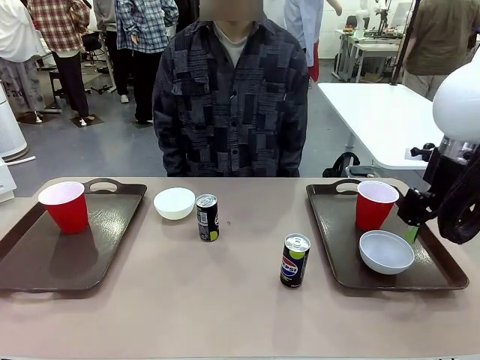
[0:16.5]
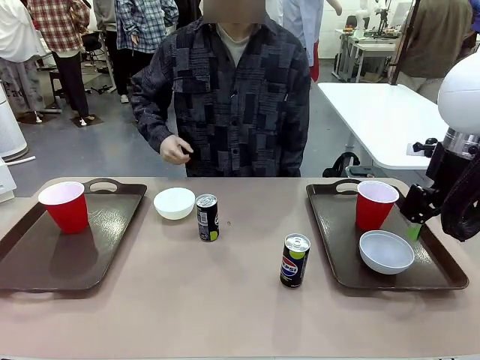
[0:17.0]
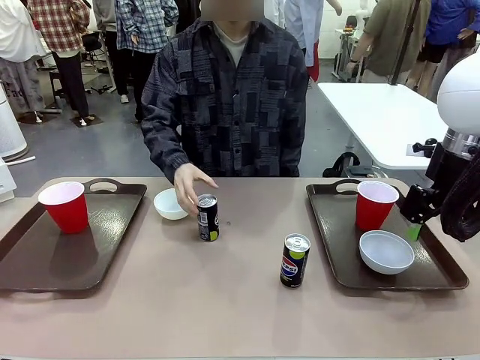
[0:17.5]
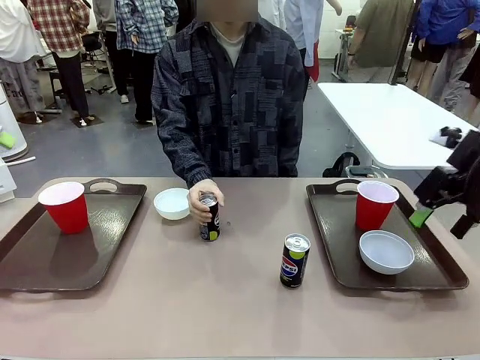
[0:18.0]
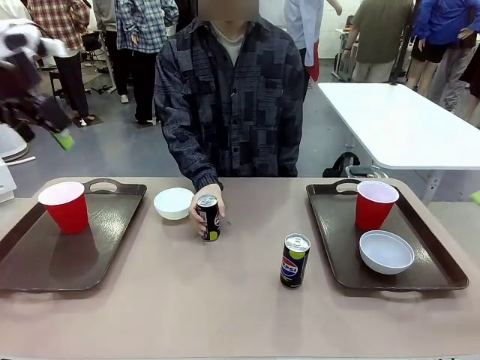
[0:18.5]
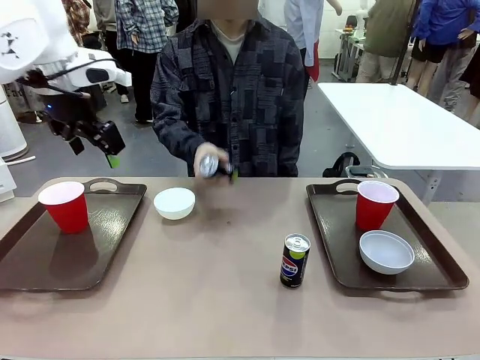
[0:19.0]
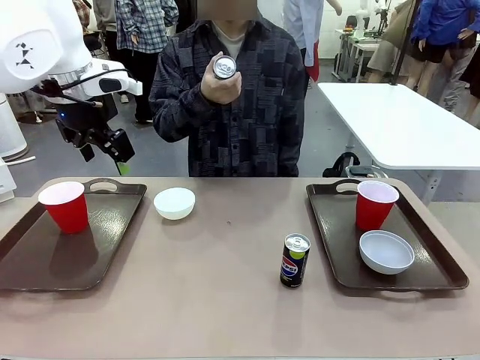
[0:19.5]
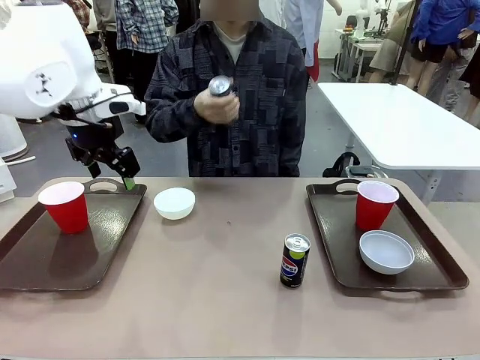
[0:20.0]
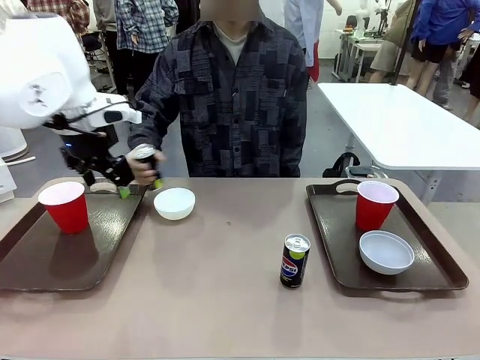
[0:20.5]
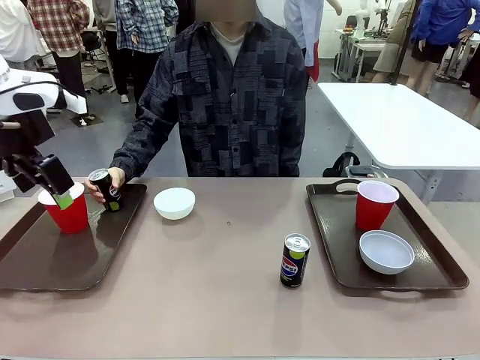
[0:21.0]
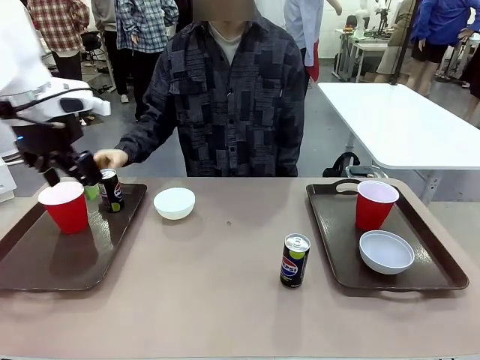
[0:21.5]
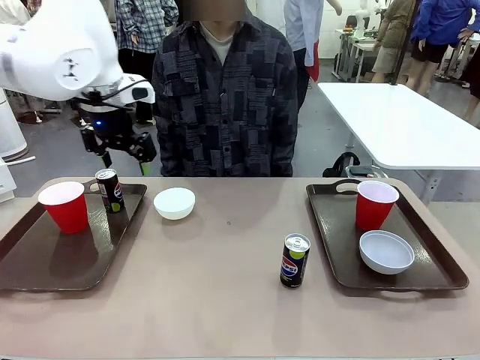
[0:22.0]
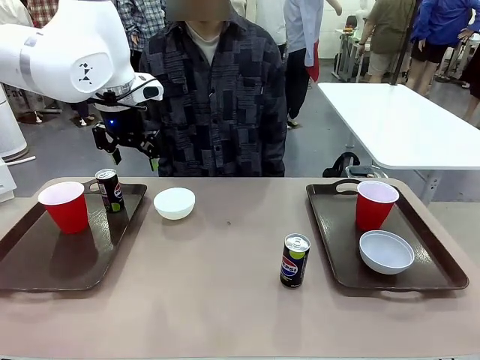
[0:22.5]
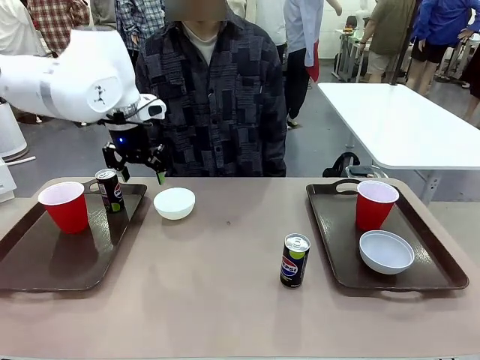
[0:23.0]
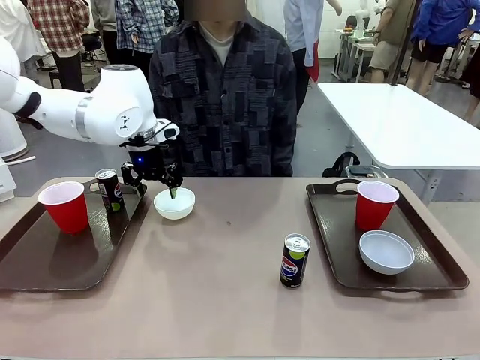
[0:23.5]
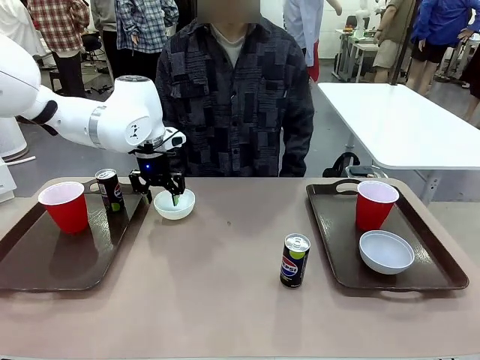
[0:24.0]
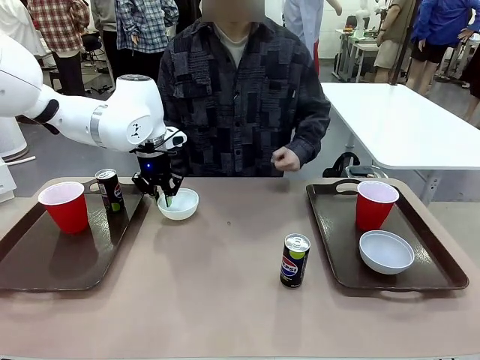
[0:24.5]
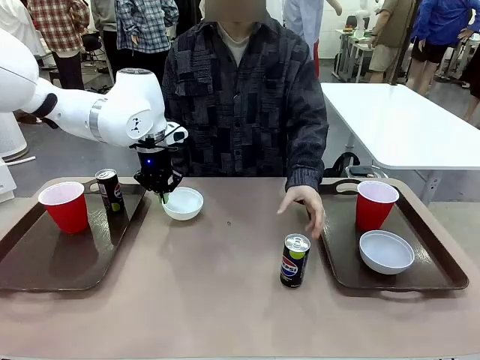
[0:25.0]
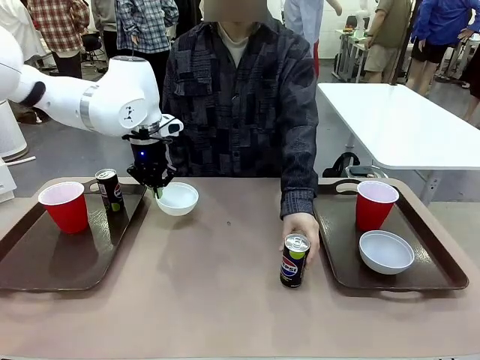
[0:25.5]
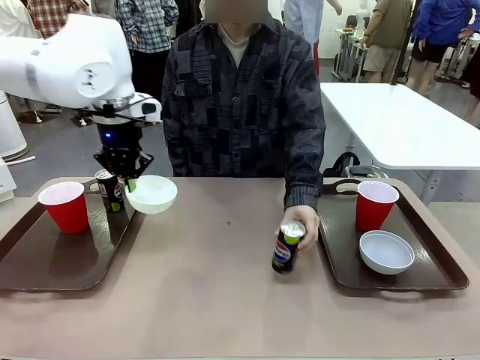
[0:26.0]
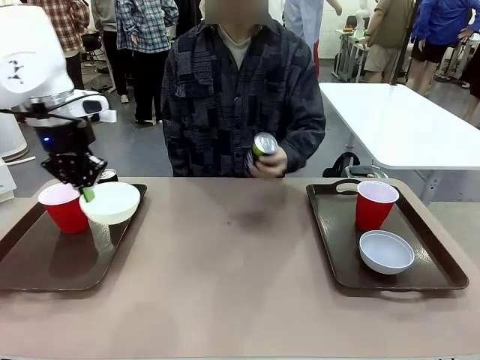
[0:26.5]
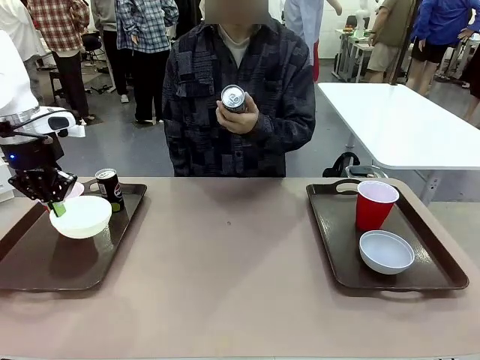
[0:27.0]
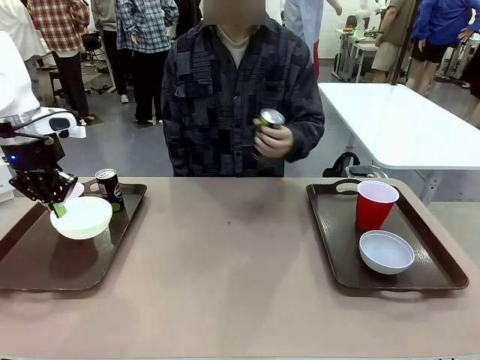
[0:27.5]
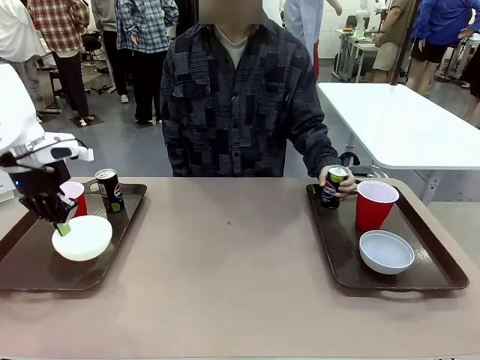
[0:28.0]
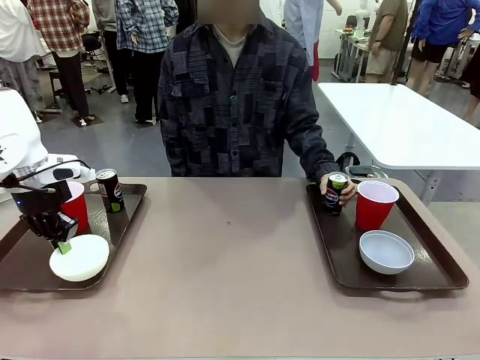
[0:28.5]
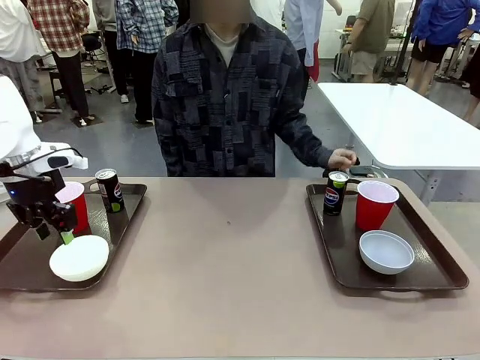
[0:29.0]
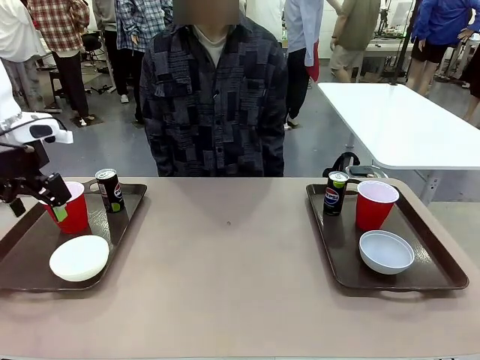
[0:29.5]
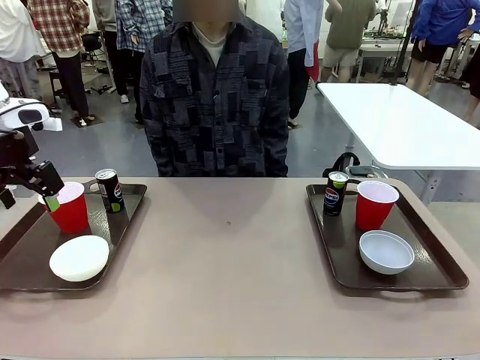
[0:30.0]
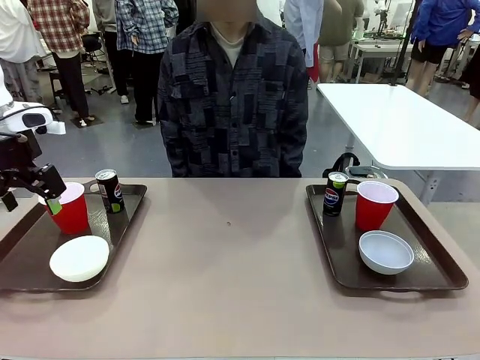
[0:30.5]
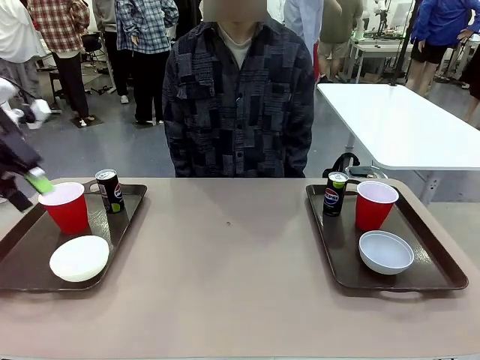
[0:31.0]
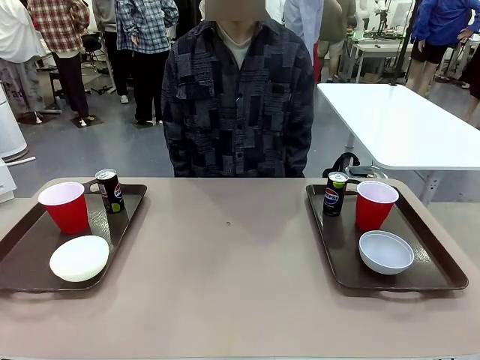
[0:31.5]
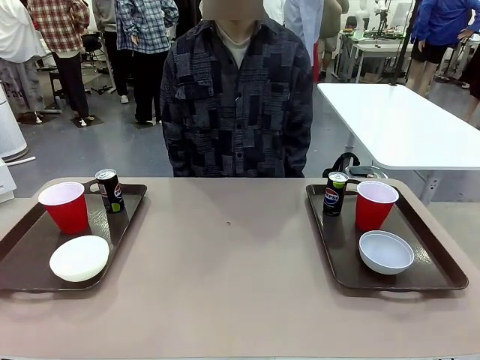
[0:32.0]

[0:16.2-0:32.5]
Task: Prepare tableware on both trays.
Robot: Pick up a Picnic Bowl from the table and place it on a Handle tray.
Person: Pick up a can or cup and place it on the tray without a can or cup.

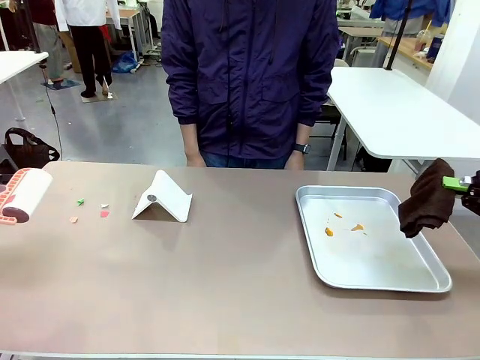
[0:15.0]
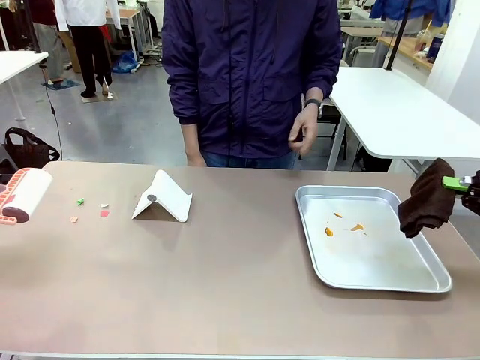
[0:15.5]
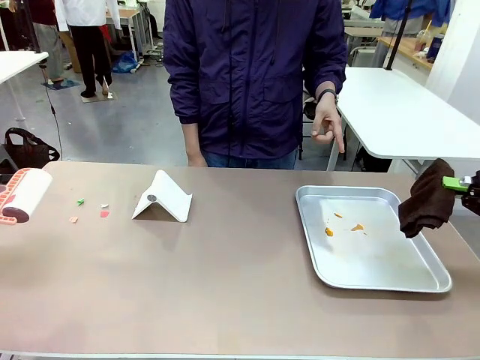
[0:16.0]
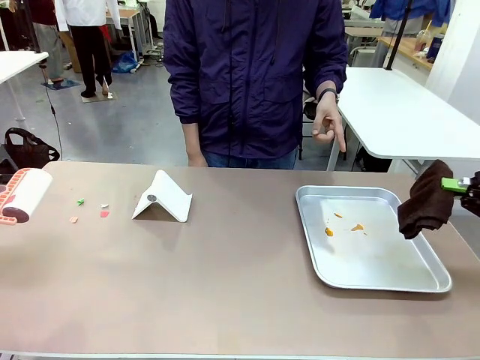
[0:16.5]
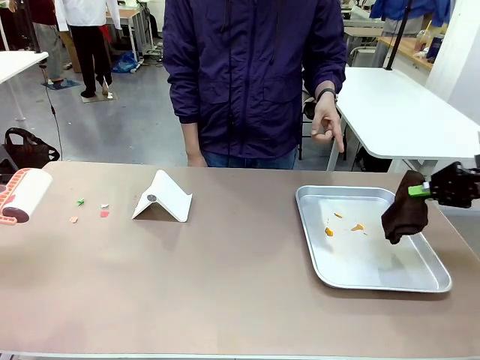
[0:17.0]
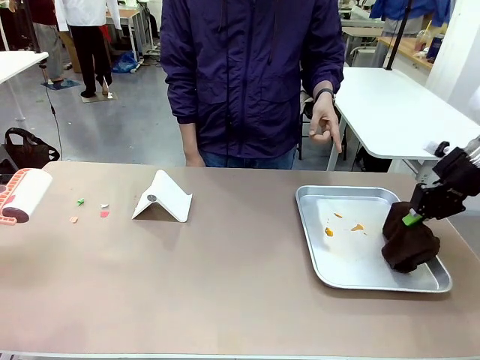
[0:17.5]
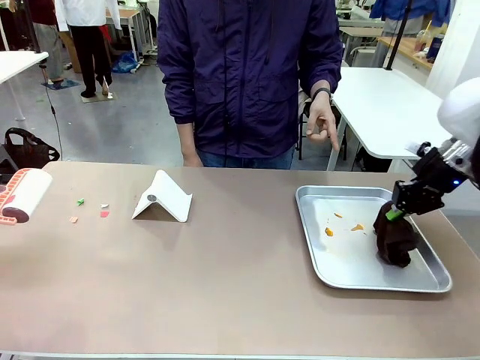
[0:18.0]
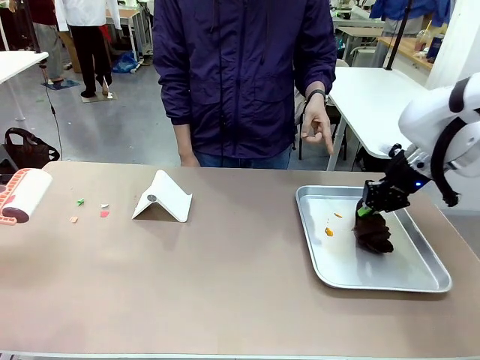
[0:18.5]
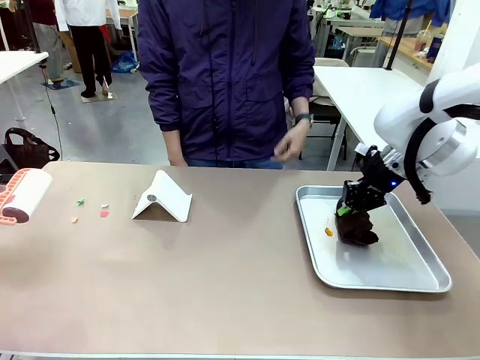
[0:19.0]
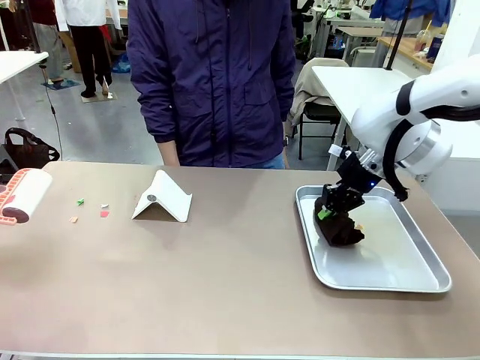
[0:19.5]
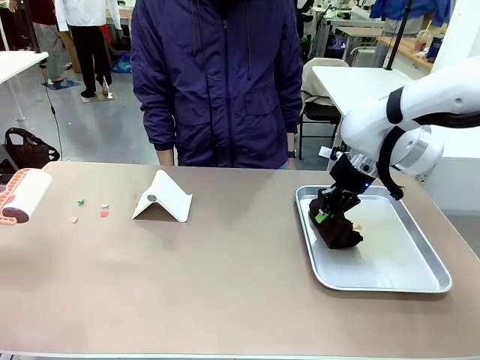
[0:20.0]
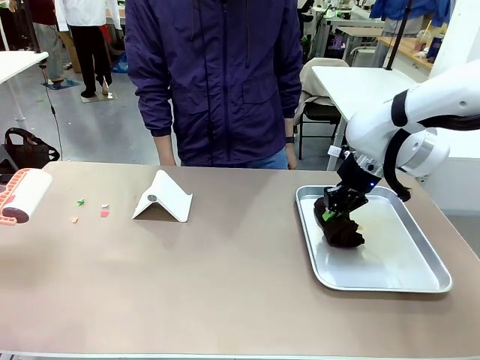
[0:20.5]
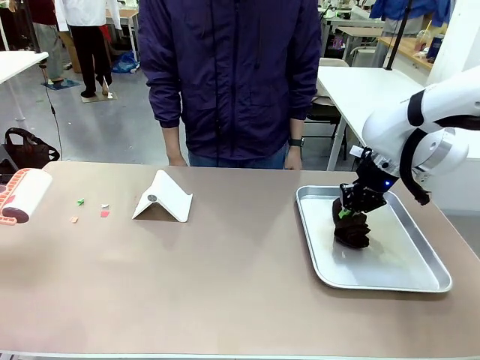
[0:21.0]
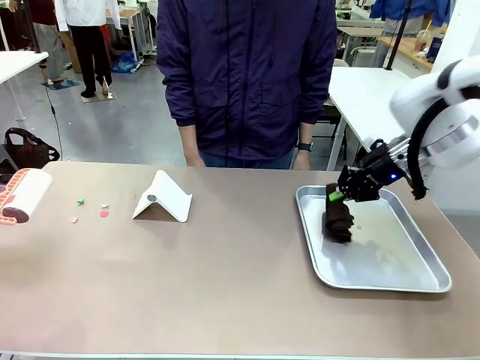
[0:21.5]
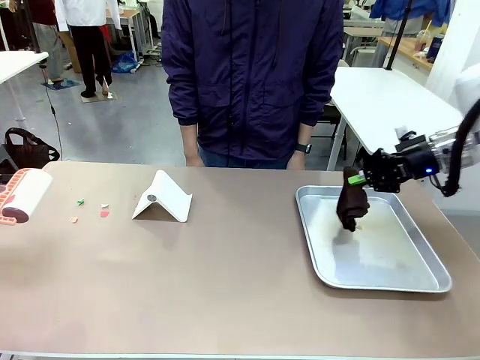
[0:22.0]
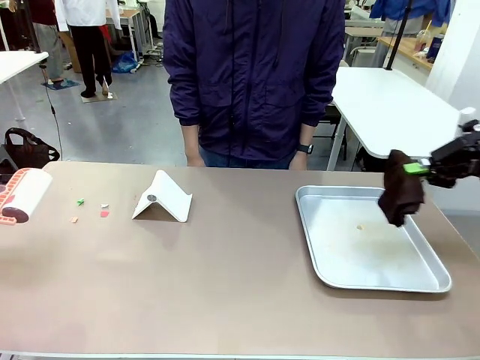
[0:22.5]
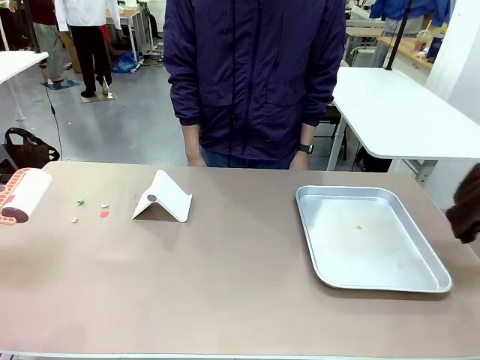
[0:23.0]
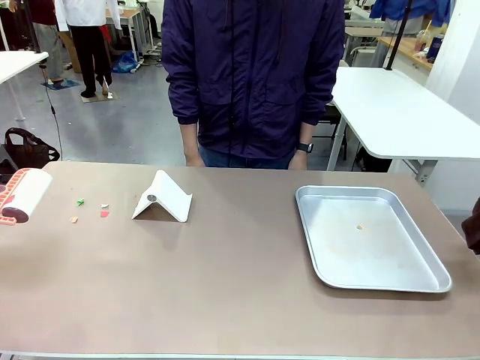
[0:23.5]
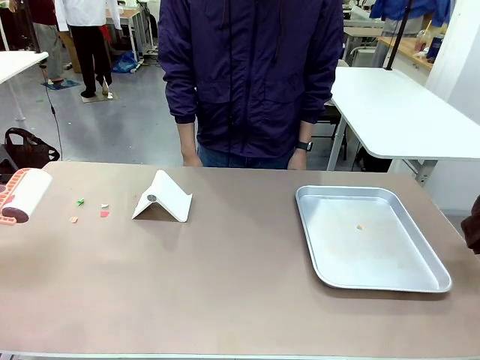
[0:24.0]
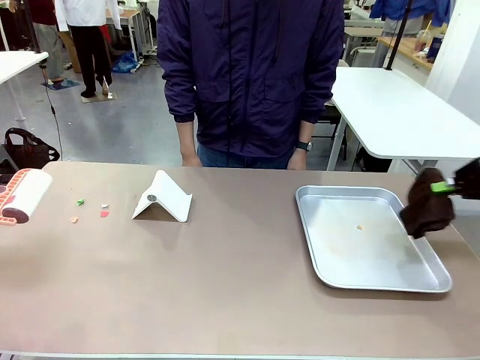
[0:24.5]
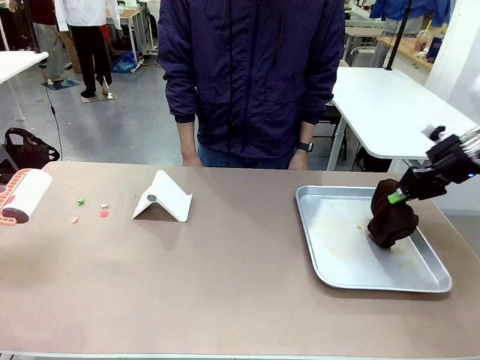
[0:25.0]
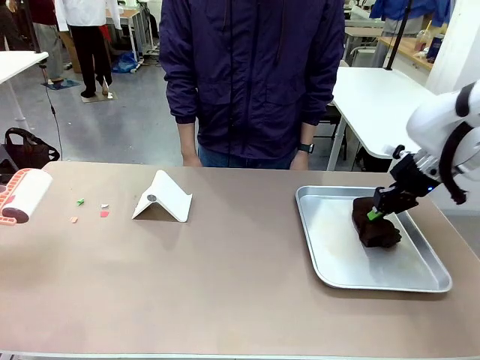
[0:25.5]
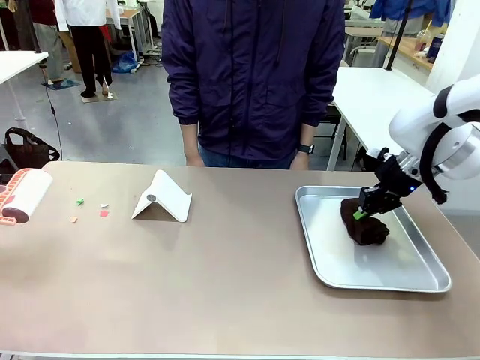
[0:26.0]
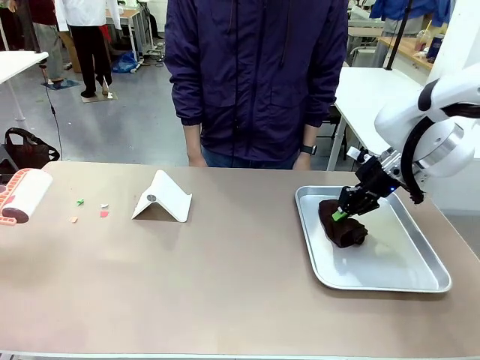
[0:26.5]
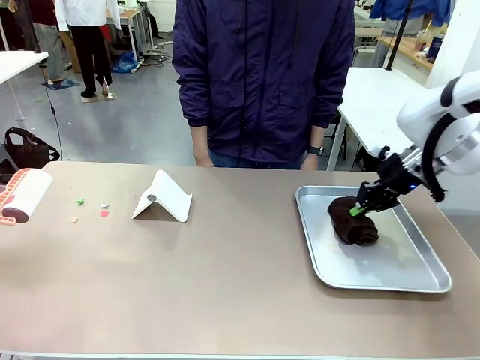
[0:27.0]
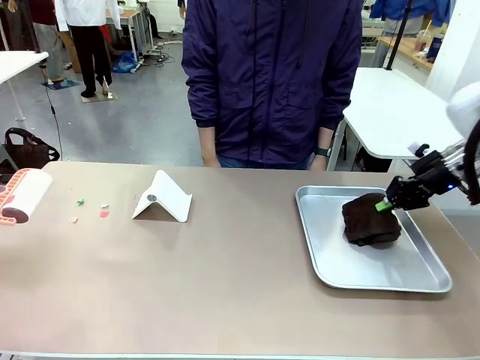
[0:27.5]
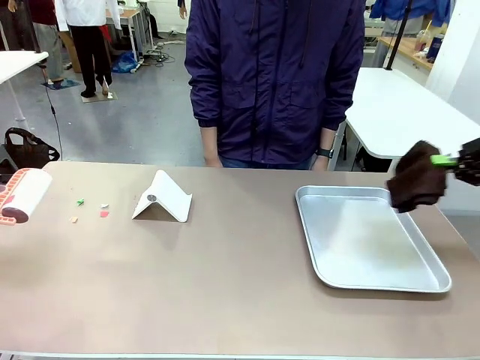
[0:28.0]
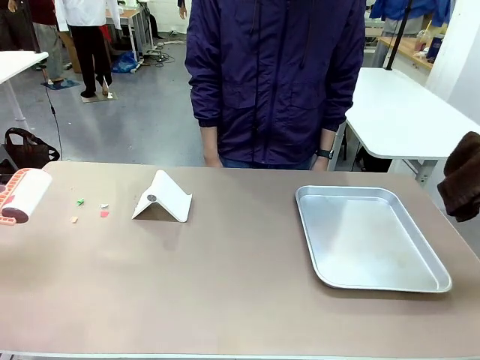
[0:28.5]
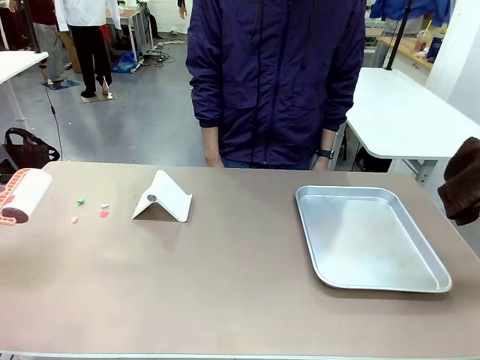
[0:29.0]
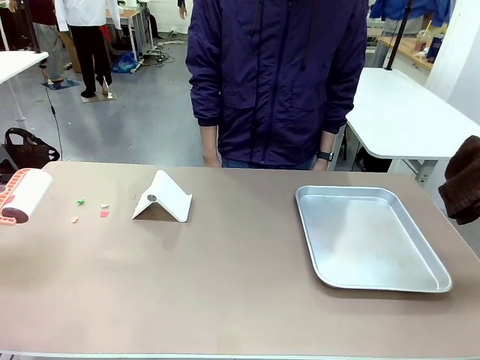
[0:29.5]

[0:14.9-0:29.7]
Task: Clean the surface of the table.
Robot: If a person points to the right, clean the right side of the table with your right hand, and if they point to the left, clean the left side with your left hand.
